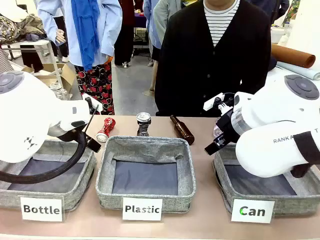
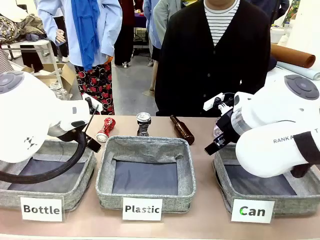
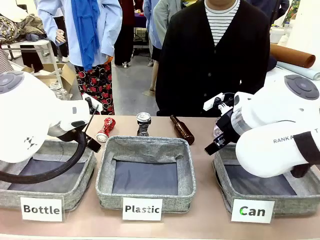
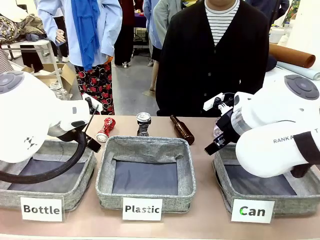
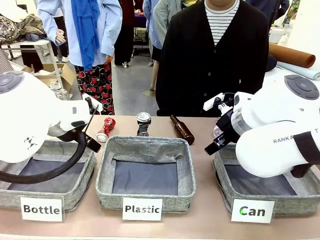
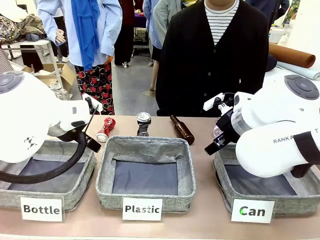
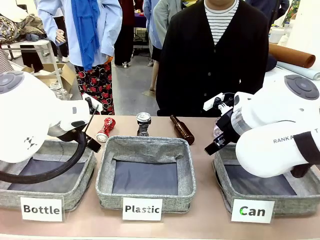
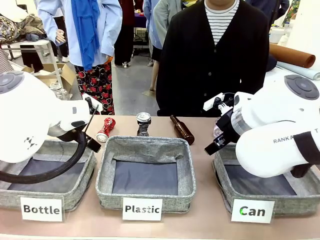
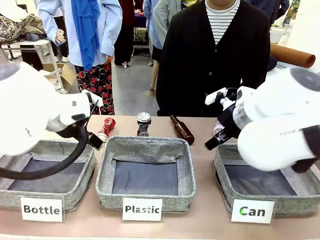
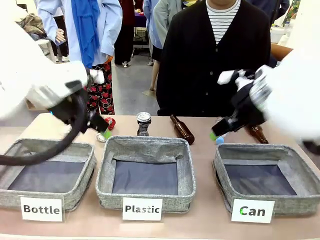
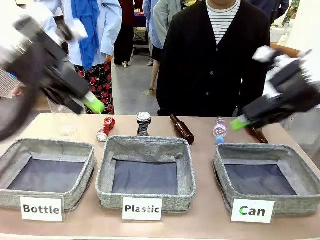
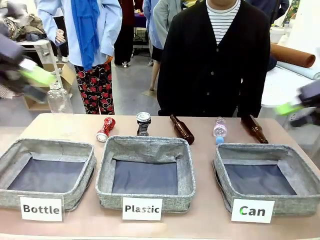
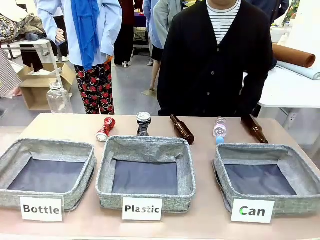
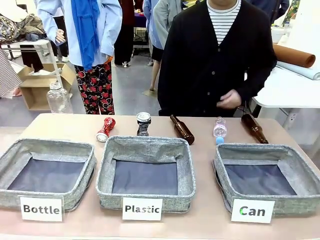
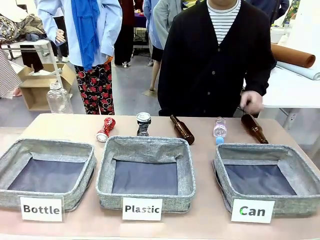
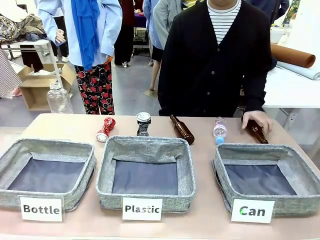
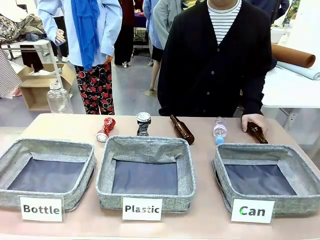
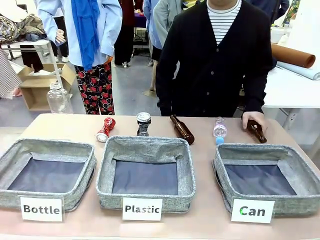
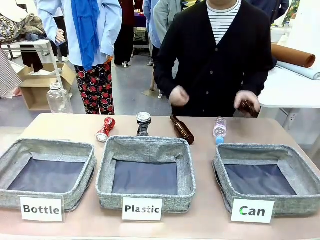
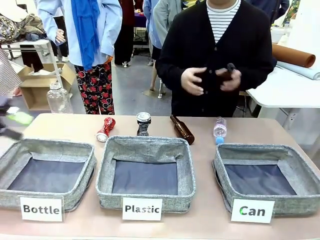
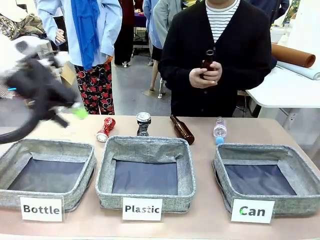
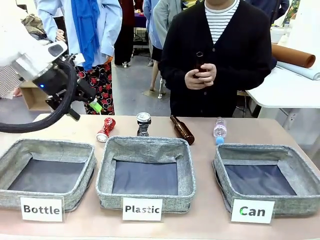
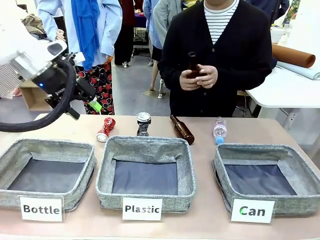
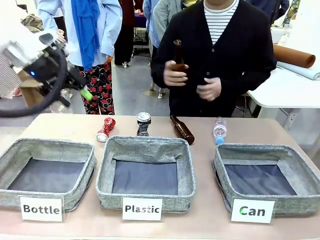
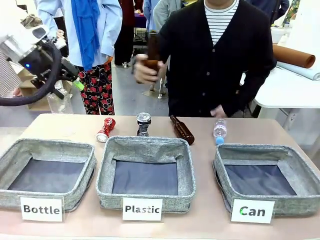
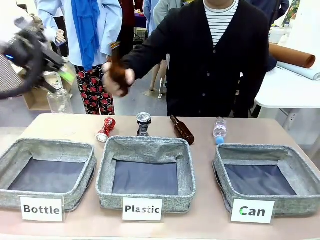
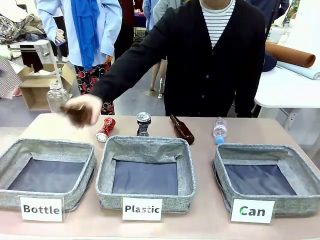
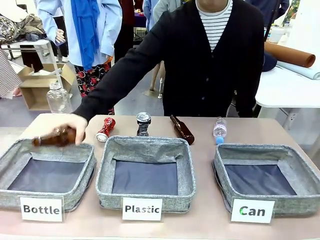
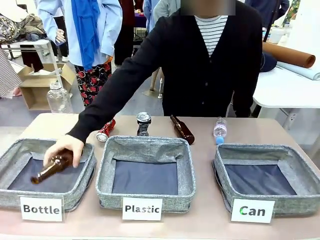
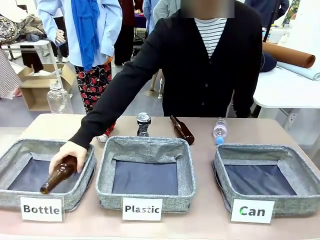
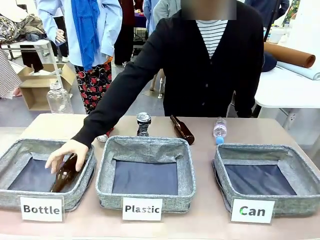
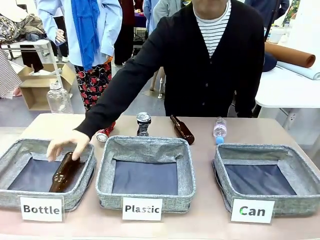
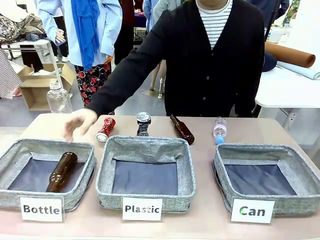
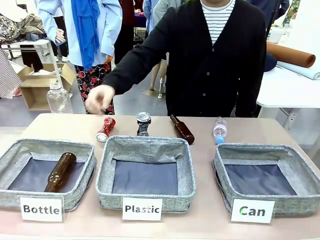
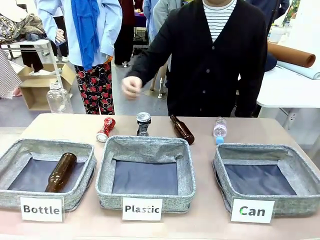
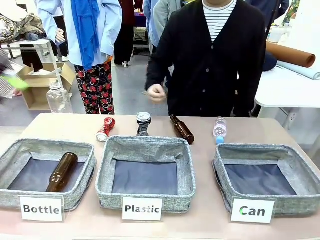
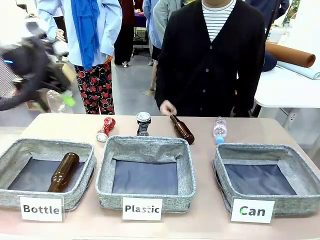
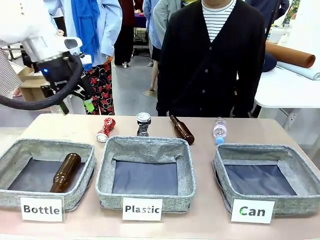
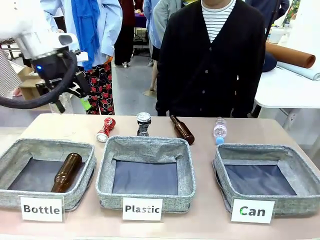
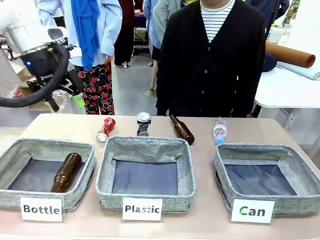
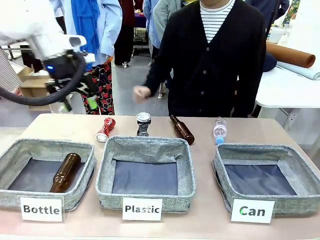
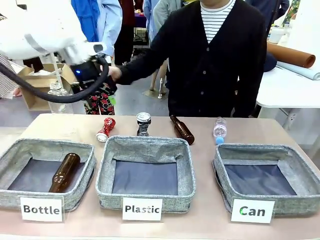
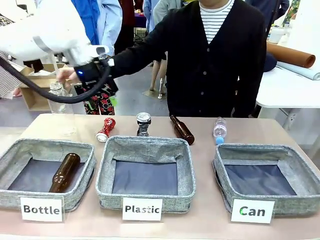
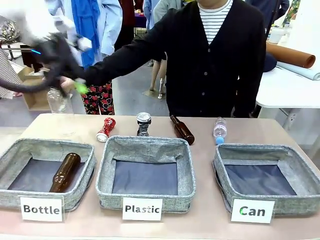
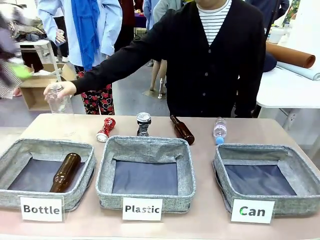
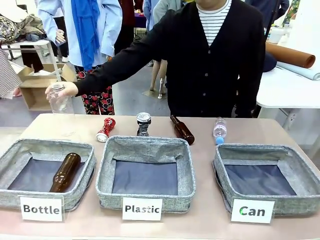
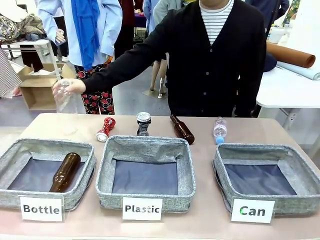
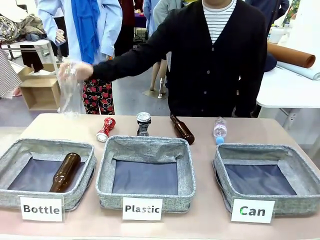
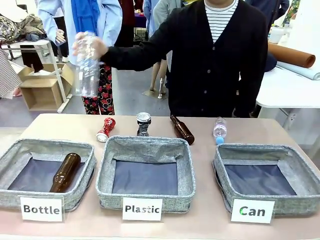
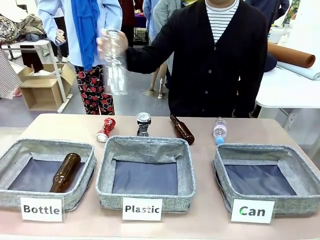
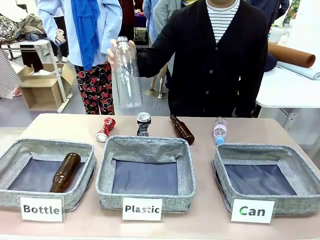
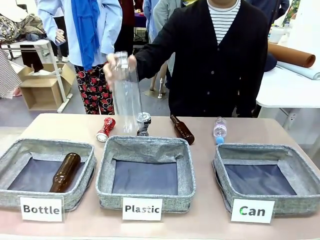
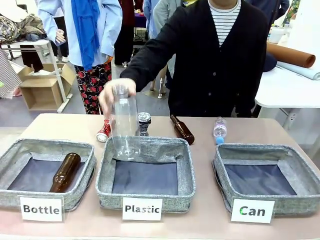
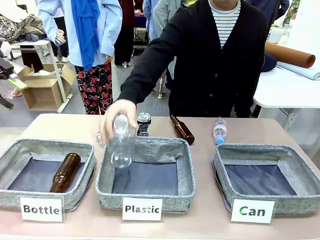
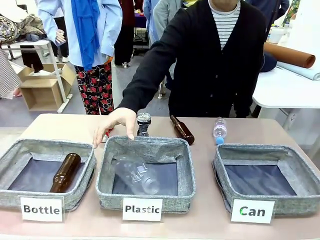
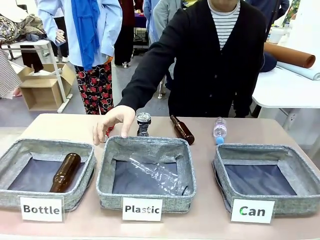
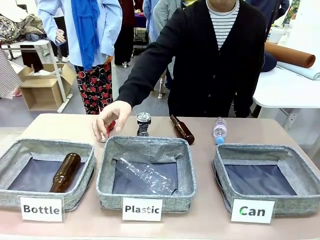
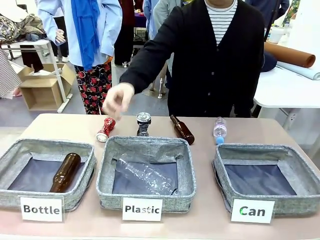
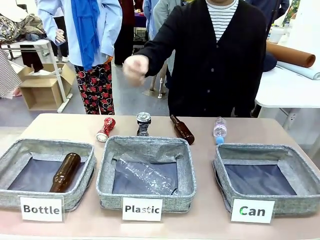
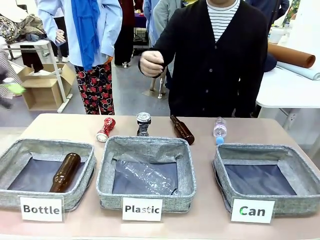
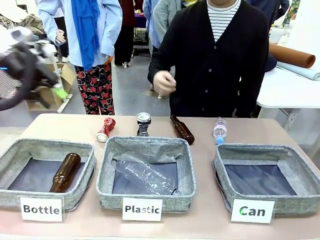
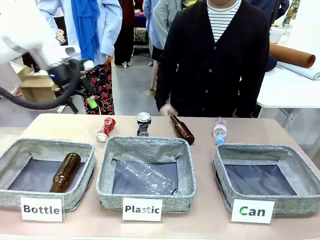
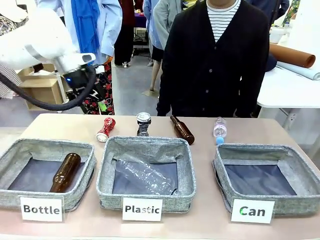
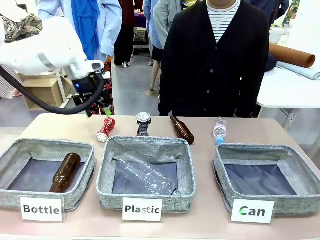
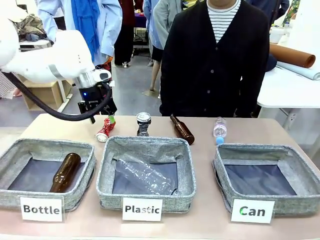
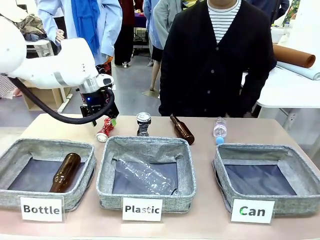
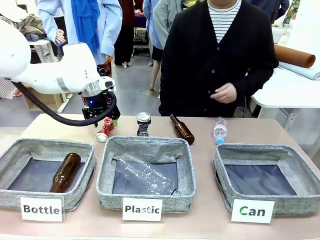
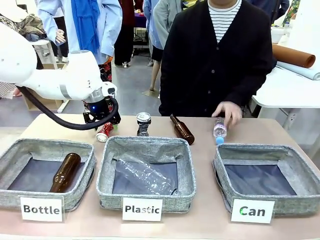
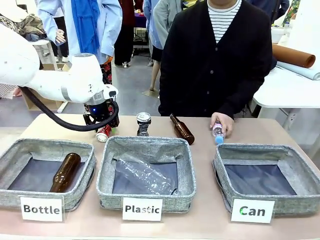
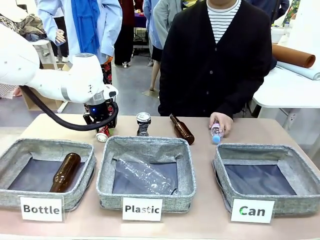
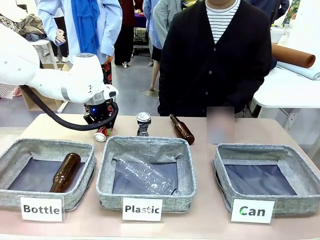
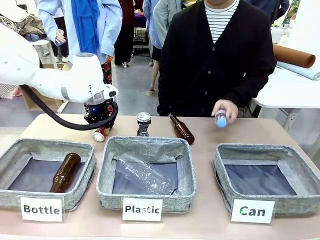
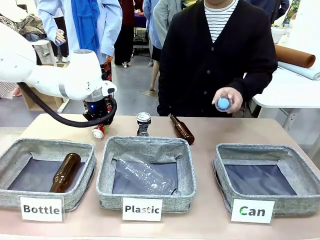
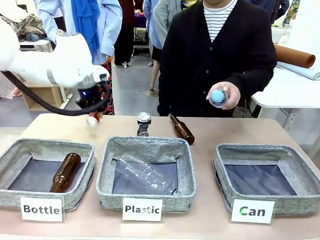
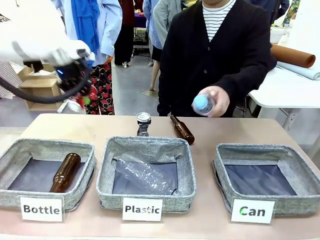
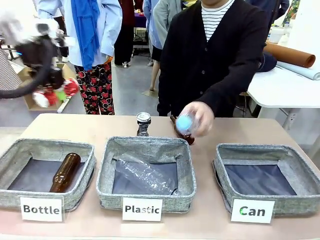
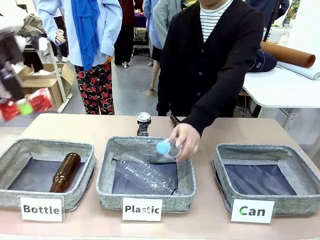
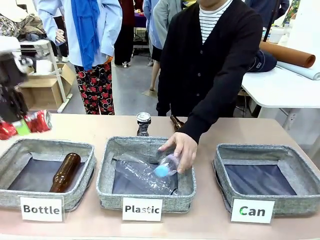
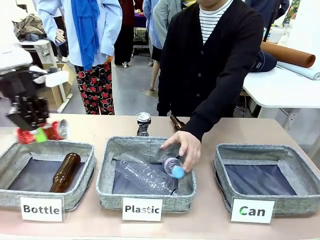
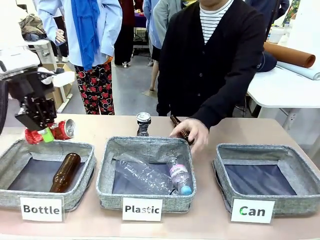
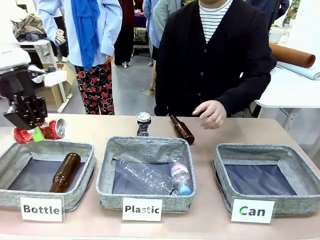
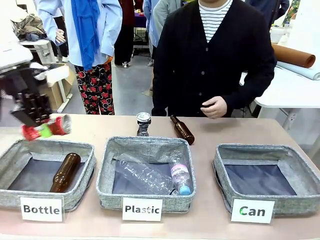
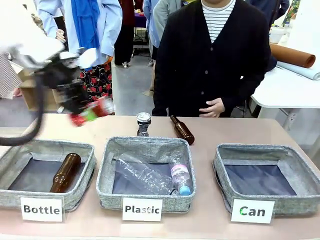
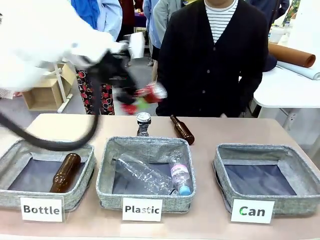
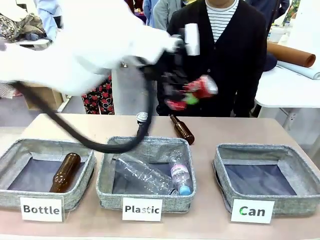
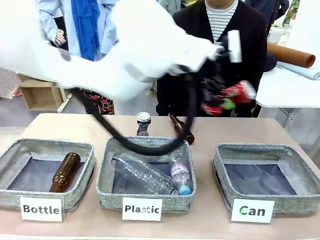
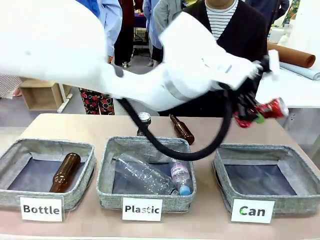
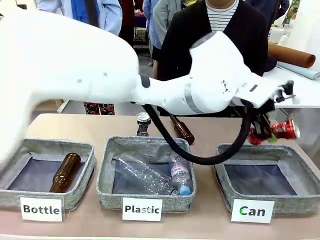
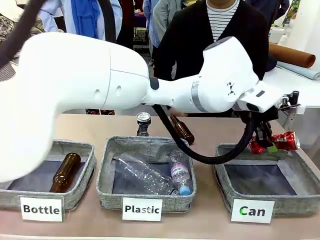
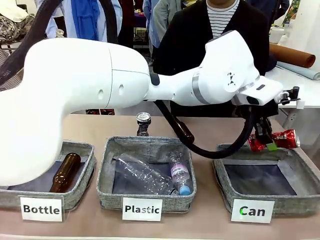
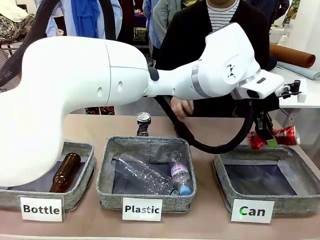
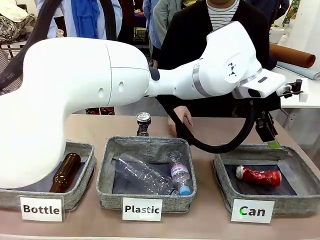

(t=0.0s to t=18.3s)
Task: Sort the can waste into the basket.
Robot: Pick up the can waste from the table and place it in the right Fabric basket.
